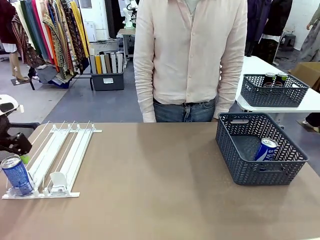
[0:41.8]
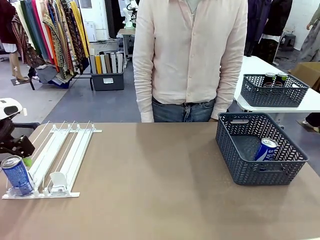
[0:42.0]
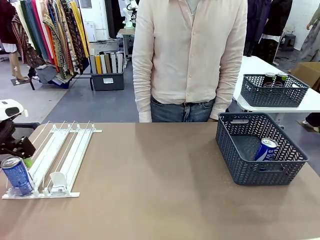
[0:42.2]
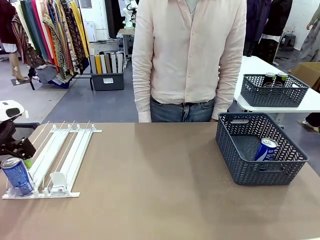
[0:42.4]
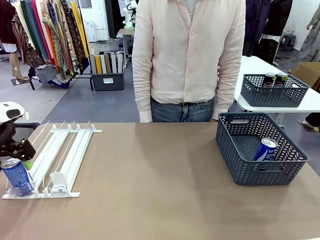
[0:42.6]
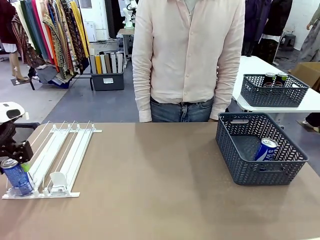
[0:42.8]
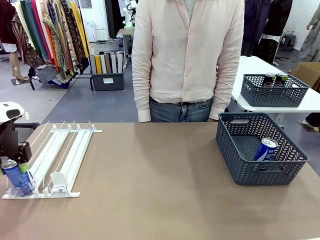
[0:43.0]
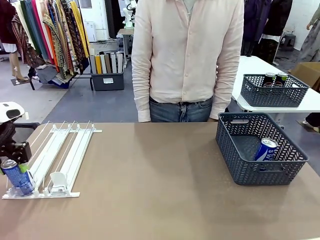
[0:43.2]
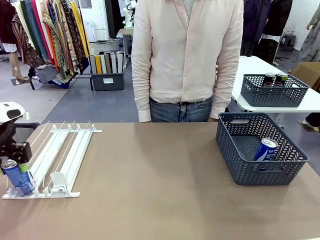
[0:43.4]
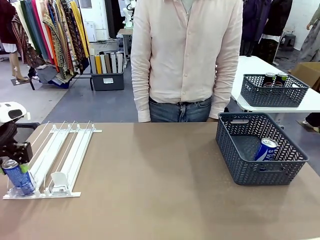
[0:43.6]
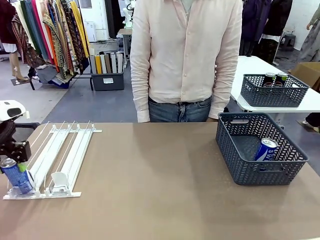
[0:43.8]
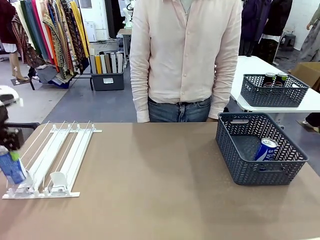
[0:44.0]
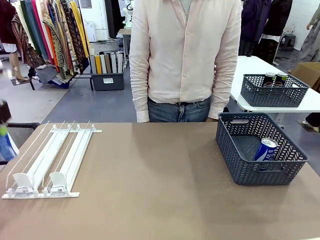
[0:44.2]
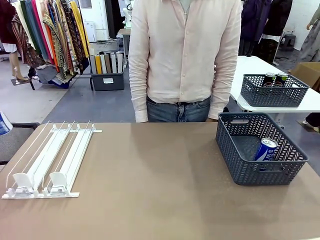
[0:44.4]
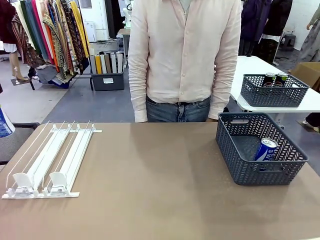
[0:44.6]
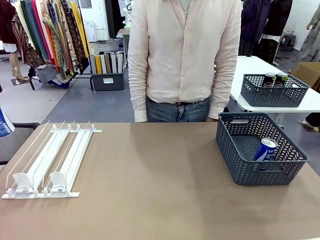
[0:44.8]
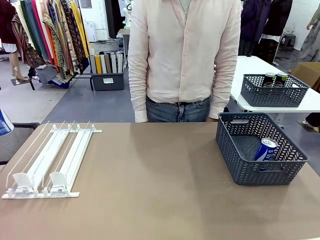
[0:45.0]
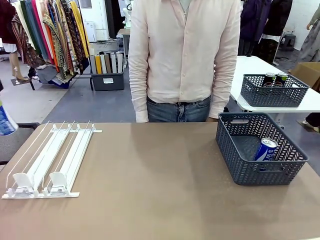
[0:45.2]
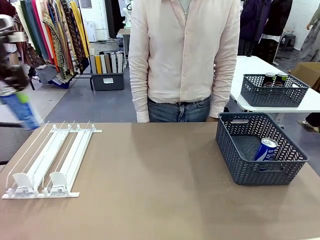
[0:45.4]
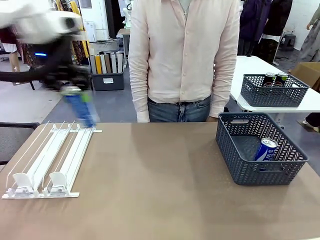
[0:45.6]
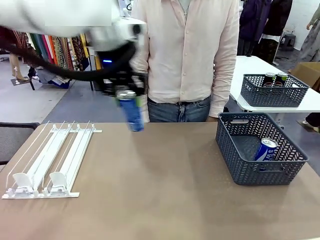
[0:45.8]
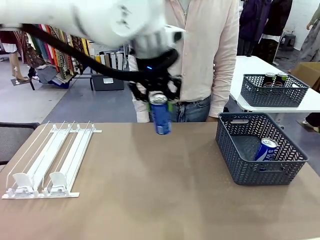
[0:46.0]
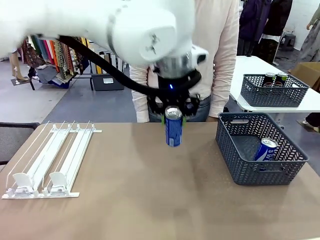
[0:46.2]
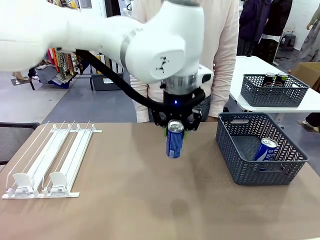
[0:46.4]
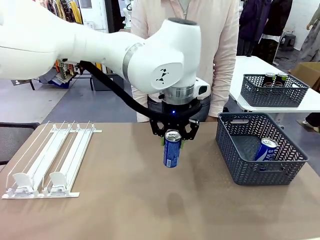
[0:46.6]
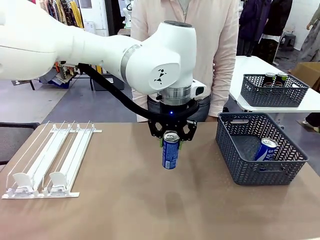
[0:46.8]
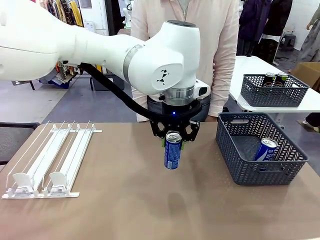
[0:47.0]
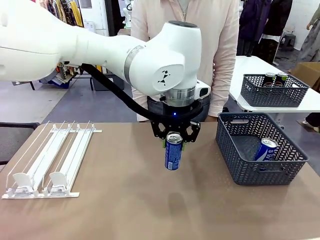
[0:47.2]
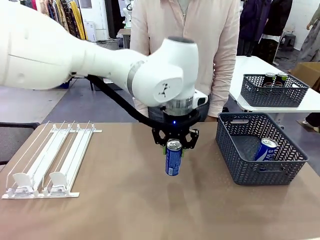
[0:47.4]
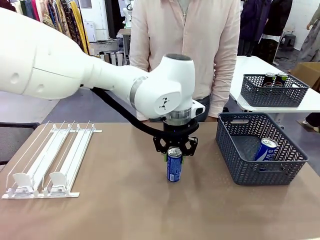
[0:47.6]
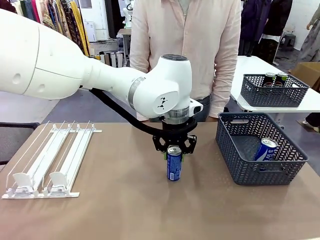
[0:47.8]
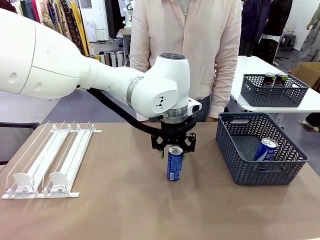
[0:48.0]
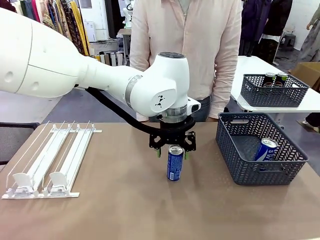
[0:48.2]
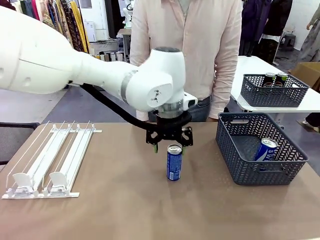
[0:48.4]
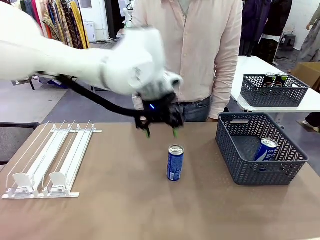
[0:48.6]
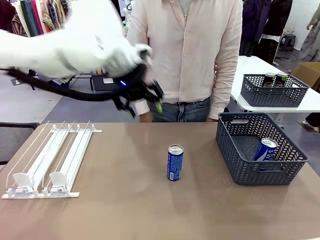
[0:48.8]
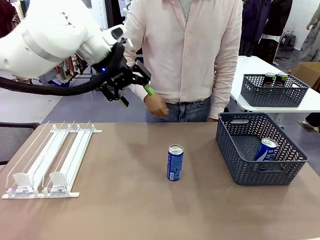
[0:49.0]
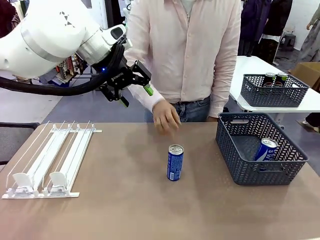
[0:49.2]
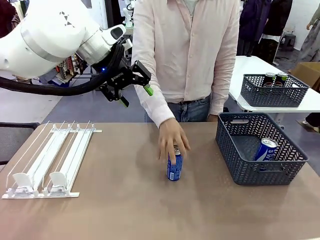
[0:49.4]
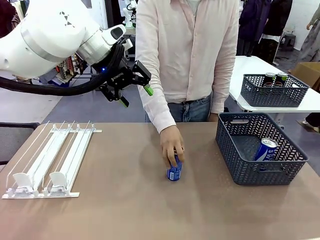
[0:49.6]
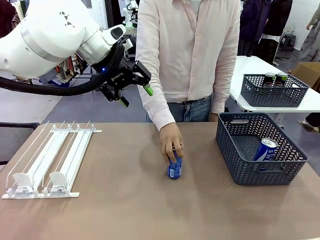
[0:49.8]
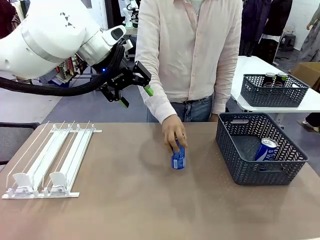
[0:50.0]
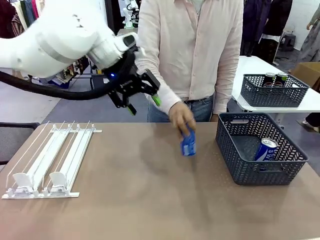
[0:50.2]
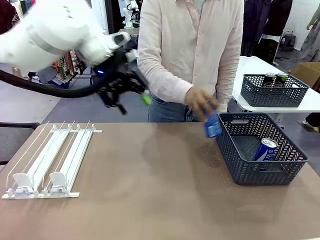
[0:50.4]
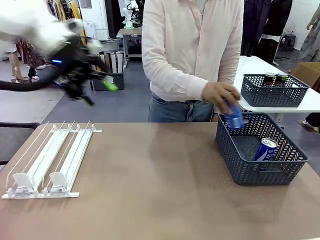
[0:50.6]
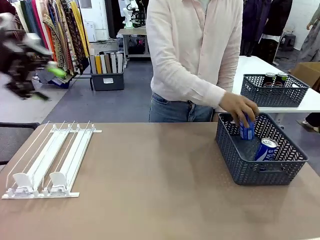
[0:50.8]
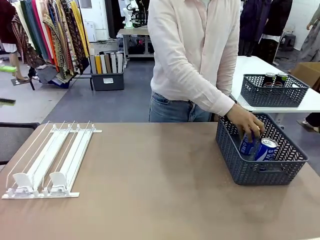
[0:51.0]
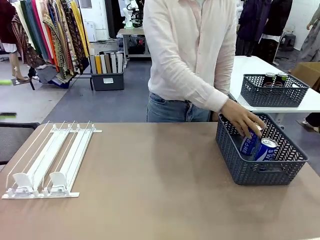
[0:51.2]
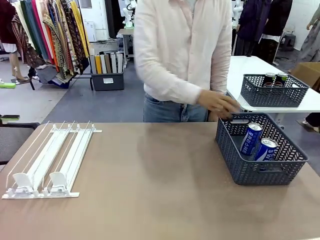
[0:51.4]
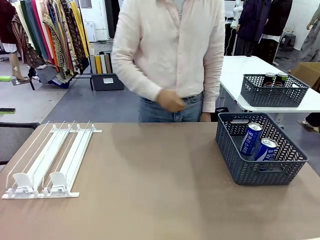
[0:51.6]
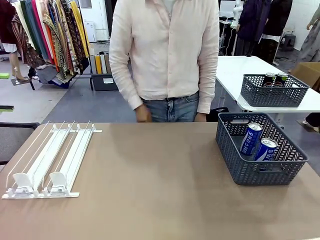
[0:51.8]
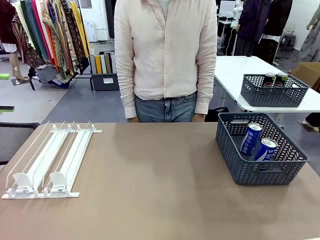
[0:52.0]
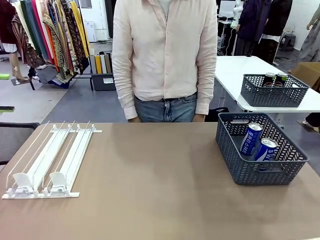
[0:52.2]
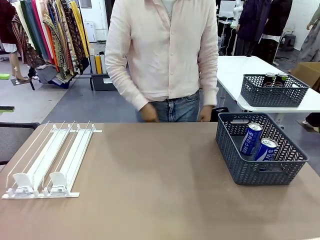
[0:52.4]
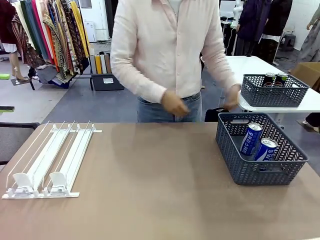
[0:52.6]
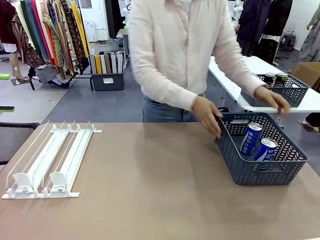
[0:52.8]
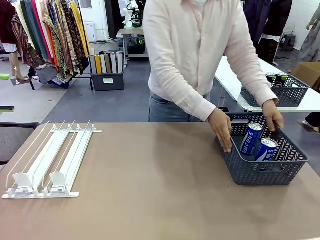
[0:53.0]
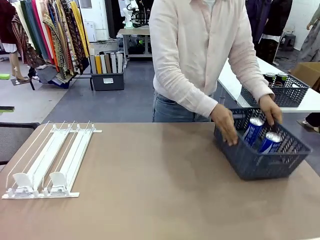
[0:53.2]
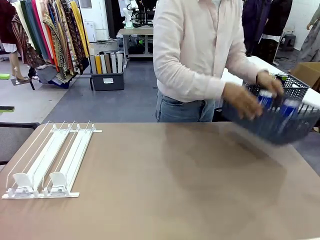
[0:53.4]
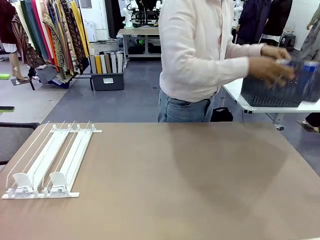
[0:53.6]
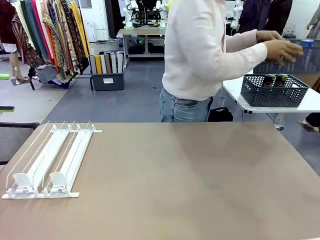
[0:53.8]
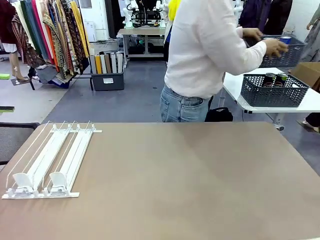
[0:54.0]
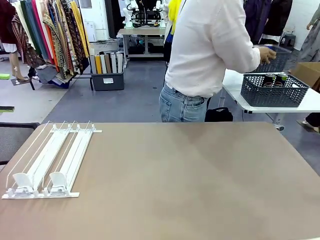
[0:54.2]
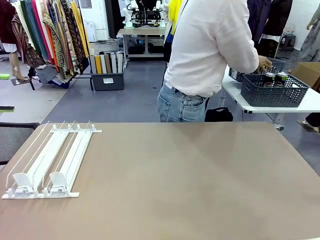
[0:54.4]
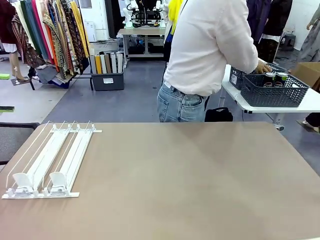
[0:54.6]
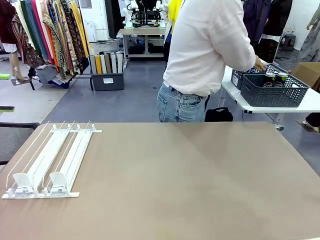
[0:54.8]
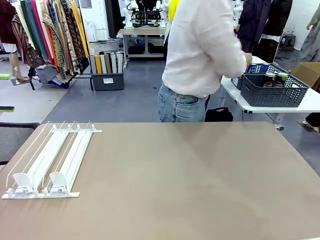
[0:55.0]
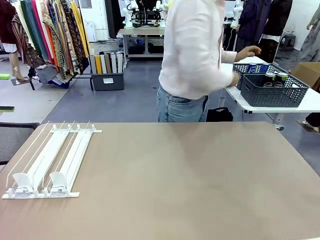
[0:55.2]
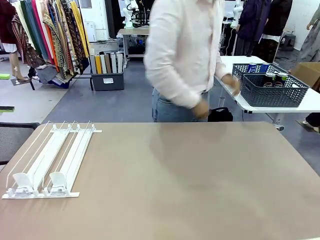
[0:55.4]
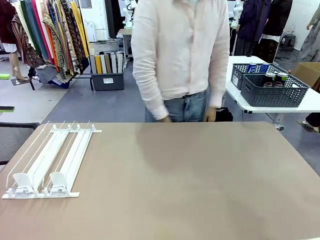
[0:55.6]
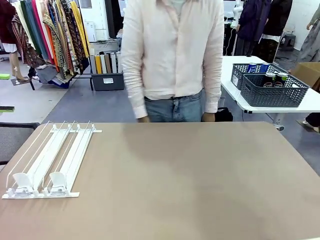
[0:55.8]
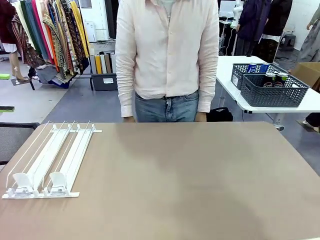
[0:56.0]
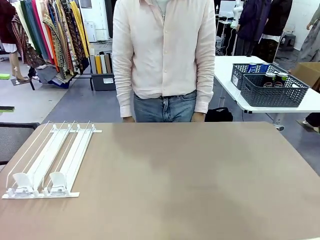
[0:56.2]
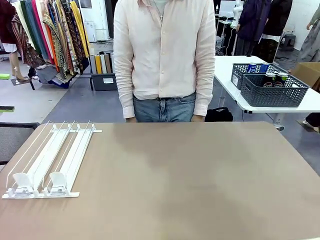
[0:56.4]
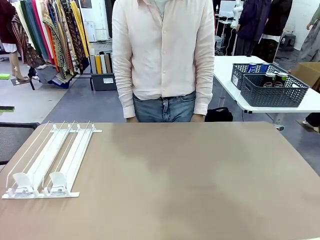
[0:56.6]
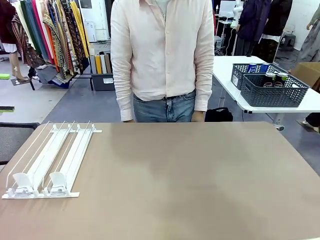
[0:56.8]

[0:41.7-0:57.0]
Task: Retrieve and store the cans from the dispenser.
Robot: Pick up one can from the Automatic Can Dispenser and place it in the middle of the table.
Person: Pick up one sports drink can from the middle of the robot table and place it in the basket. Pick up the basket and place it in the middle of the human table.
